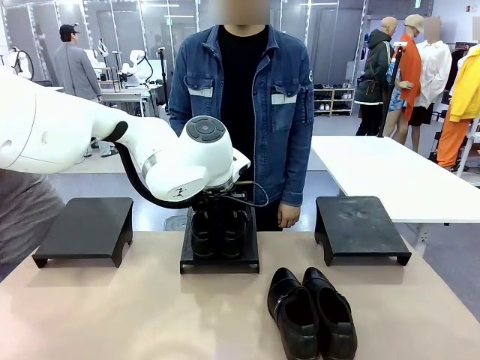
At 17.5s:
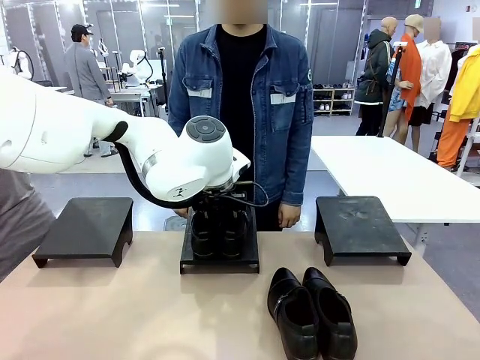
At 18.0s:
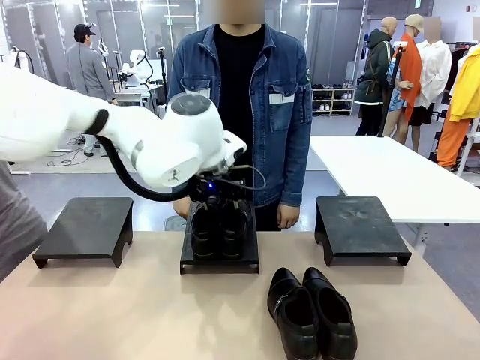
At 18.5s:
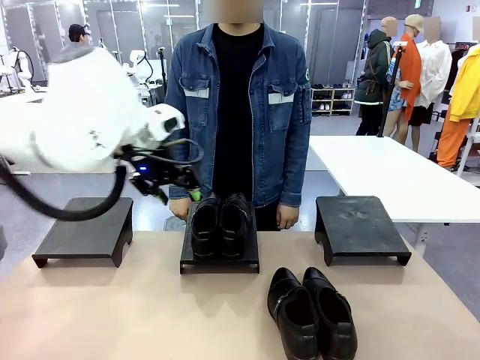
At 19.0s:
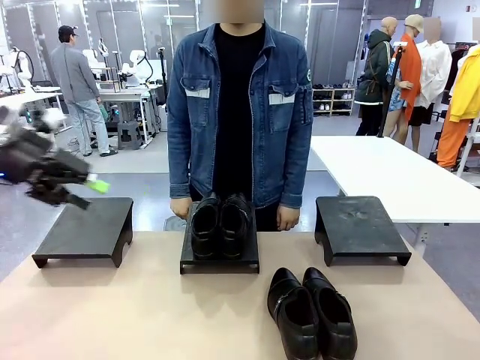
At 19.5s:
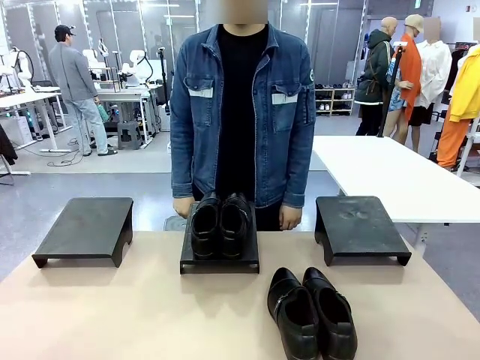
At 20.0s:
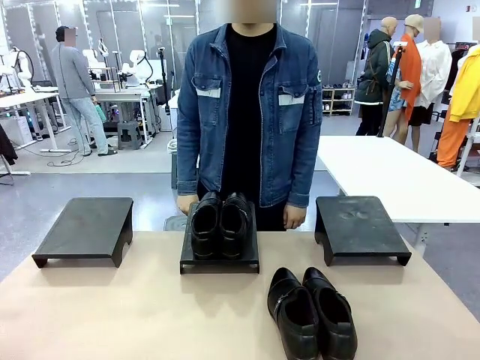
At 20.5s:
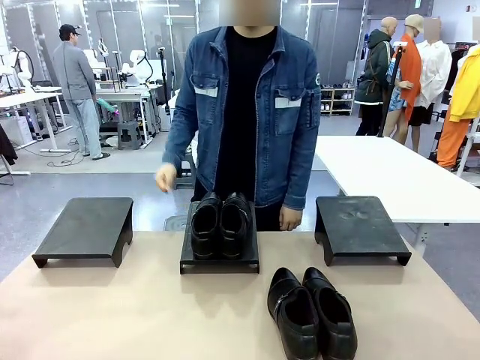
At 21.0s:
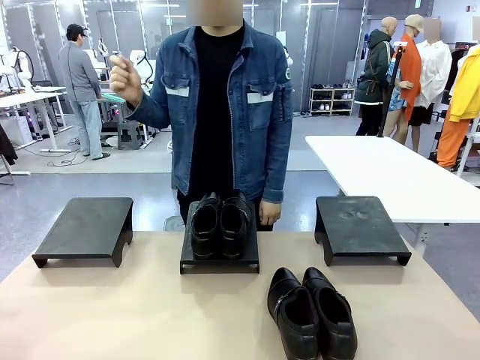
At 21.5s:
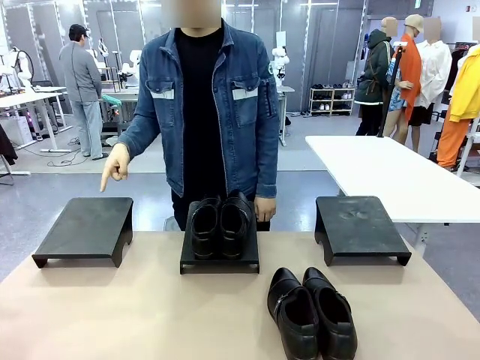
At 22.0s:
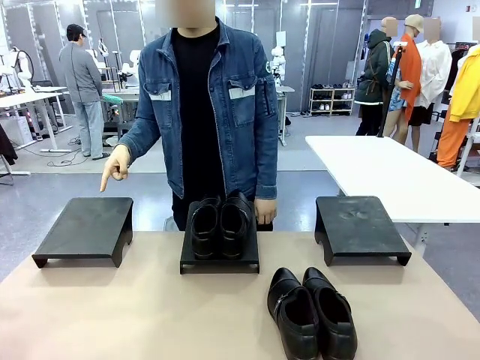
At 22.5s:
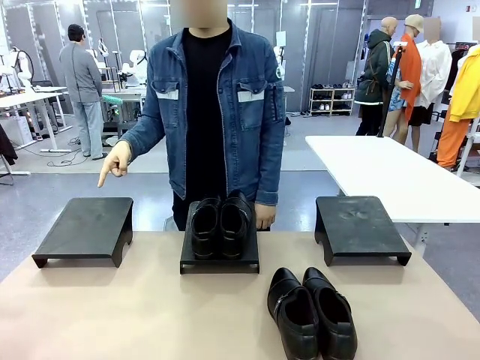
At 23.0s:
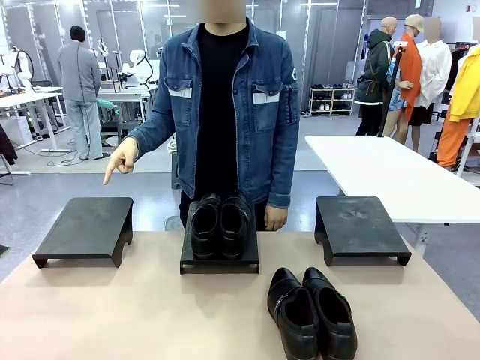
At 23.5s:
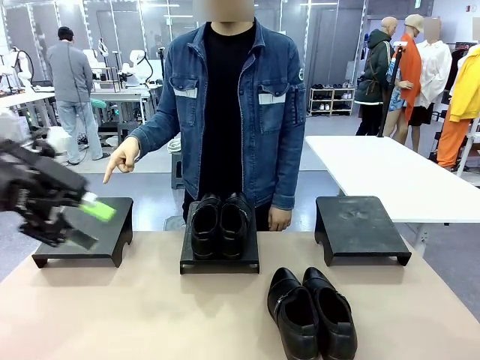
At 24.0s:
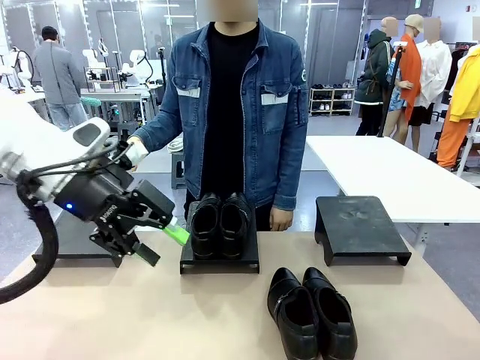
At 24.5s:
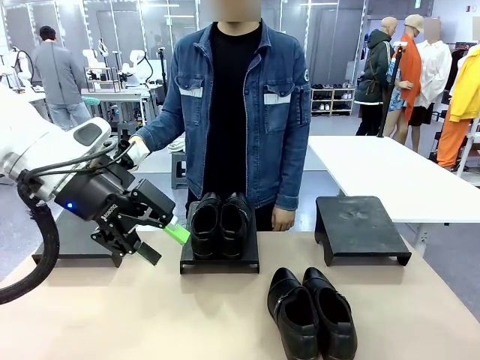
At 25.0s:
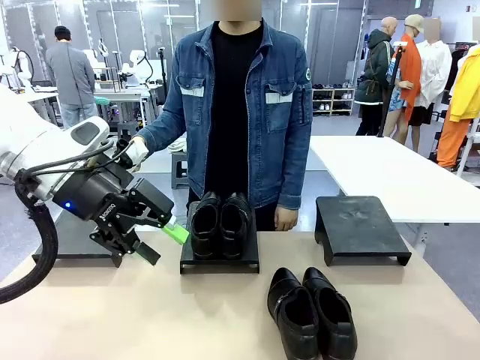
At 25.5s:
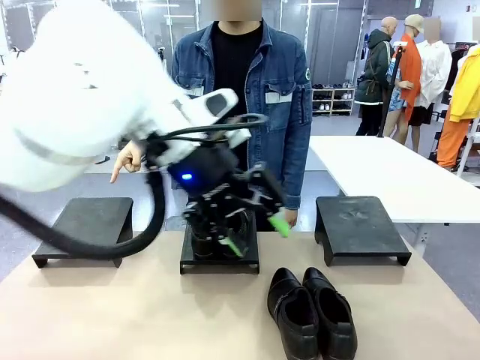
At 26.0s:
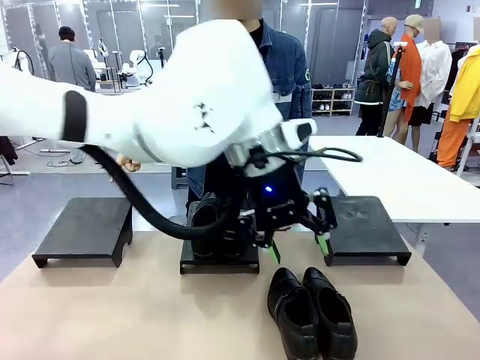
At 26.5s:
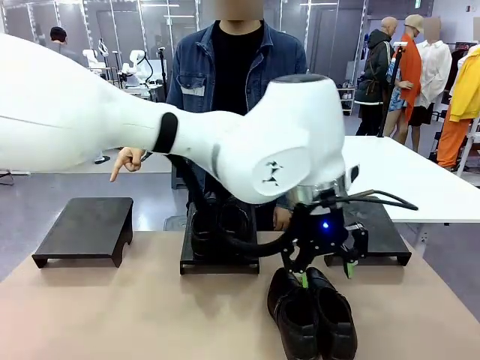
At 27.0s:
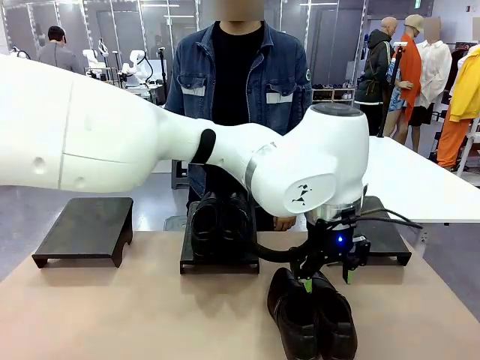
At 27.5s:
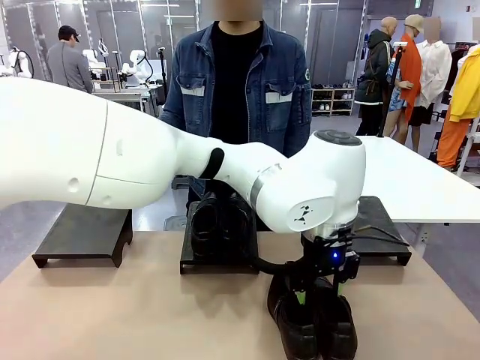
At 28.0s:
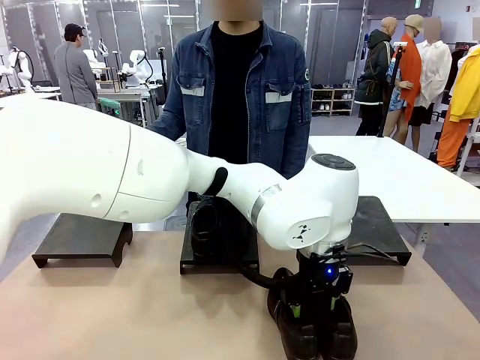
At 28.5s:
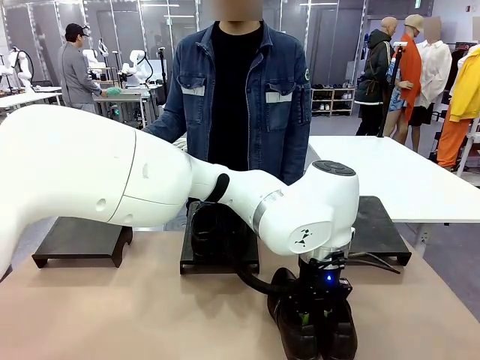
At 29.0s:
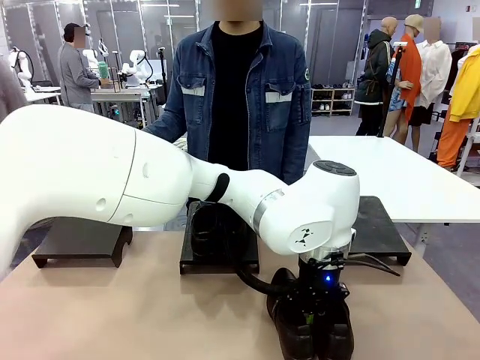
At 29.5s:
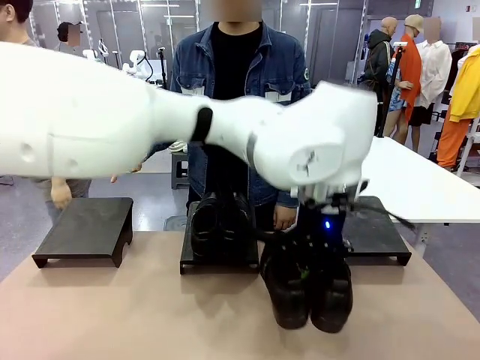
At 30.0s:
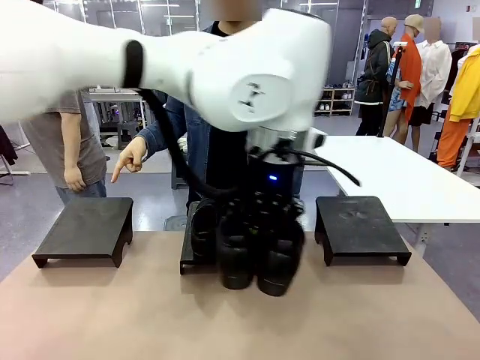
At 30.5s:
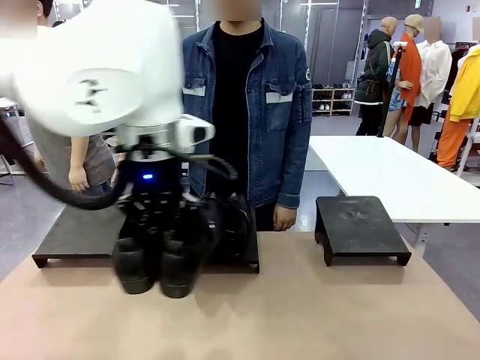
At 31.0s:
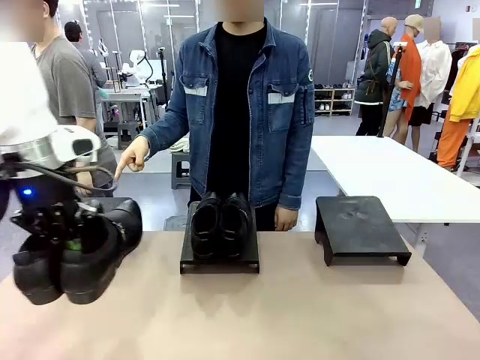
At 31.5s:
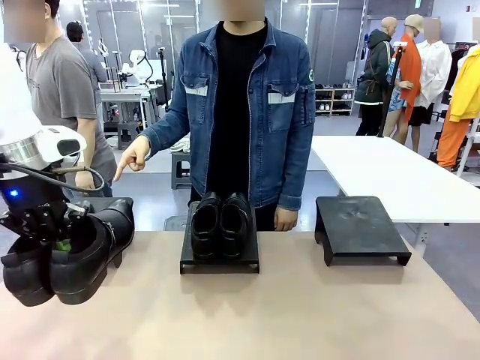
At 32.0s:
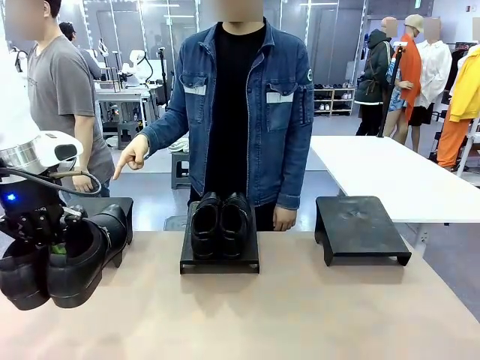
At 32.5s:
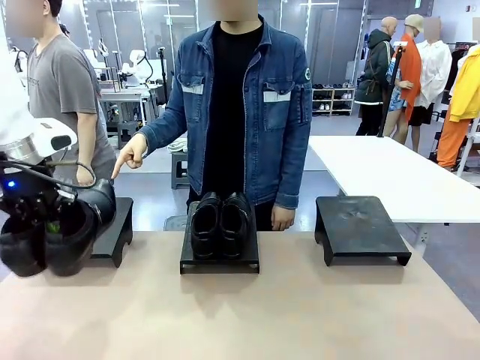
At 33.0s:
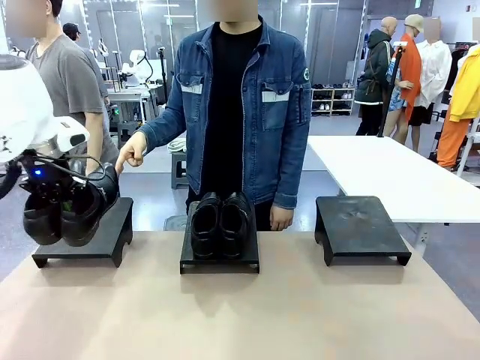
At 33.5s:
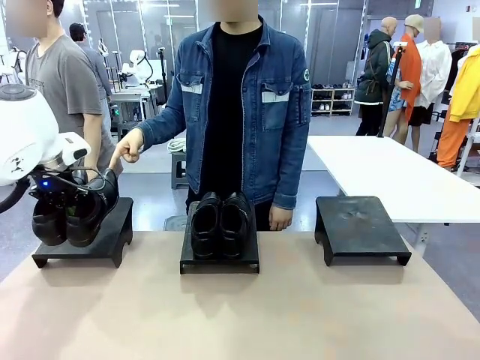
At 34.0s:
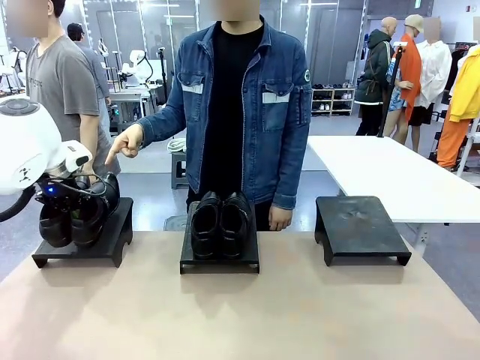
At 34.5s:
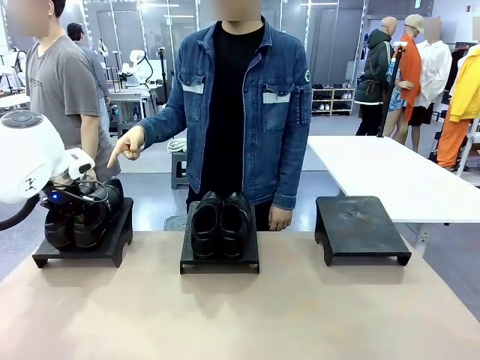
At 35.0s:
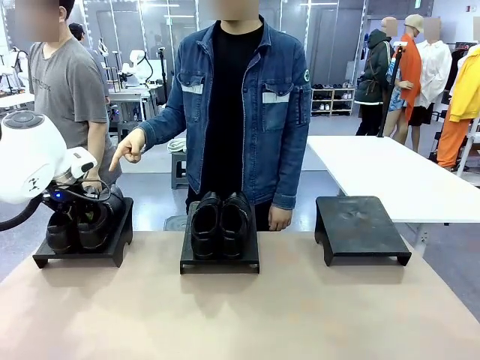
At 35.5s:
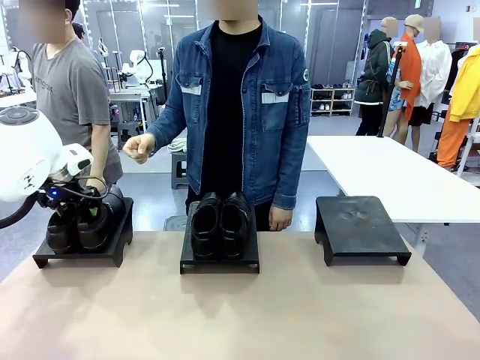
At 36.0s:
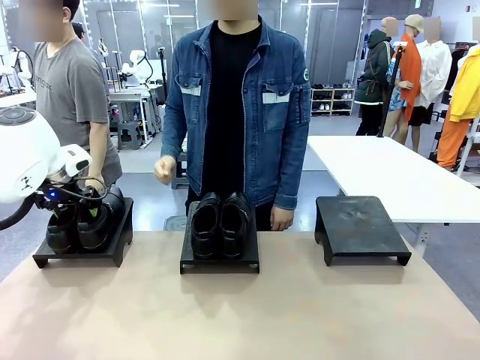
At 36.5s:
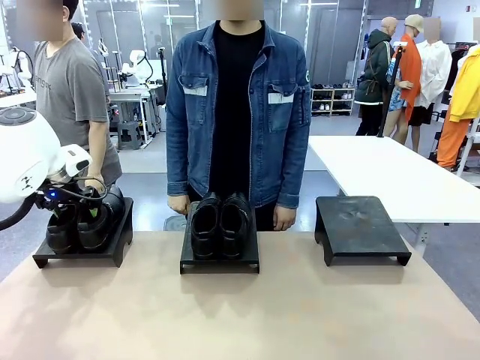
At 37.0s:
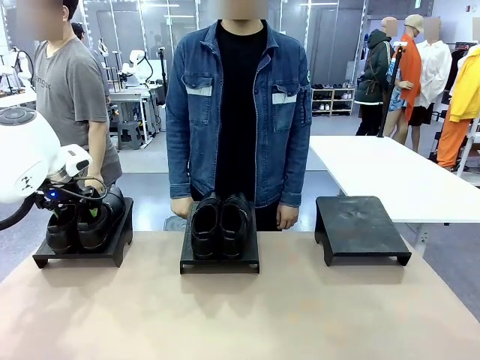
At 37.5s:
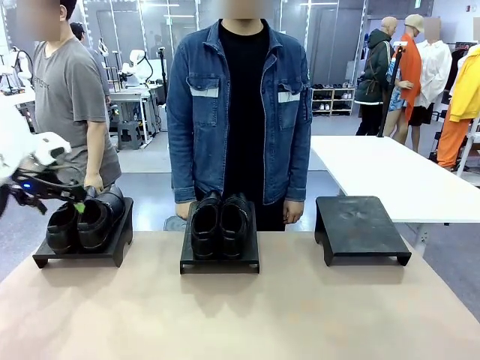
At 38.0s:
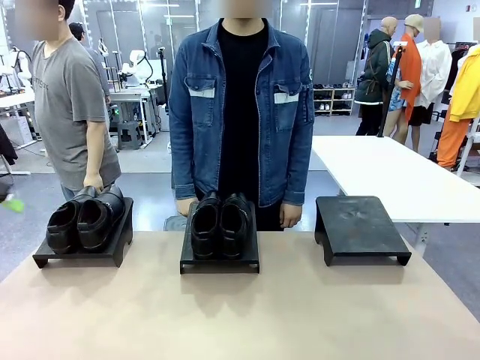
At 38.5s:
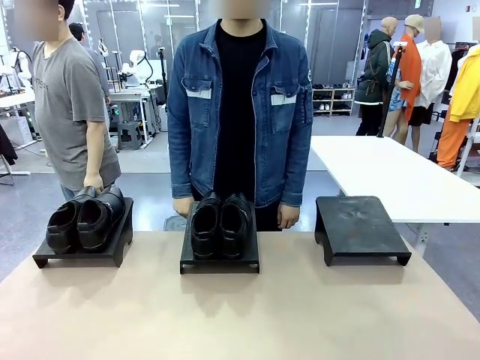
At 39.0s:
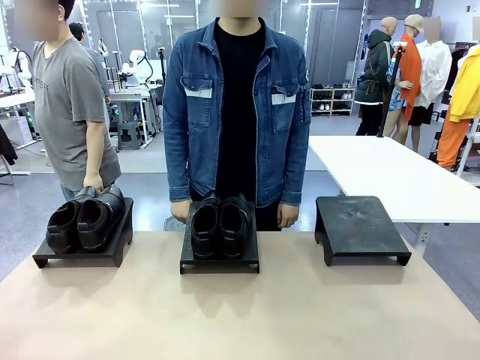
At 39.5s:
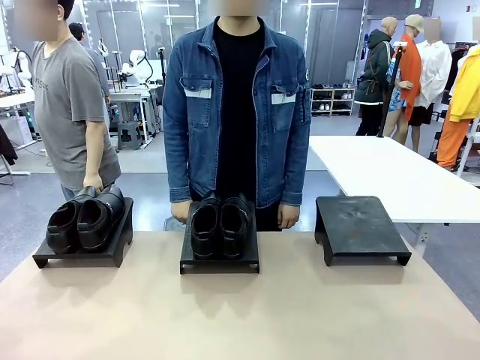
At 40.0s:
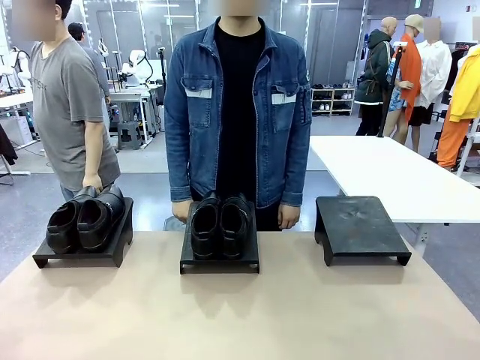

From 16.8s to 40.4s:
Task: Place the shoes on the stand as instructed by the person.
Robot: Pick up another pair of Shoes and place it on the Shoes Stand indicated by the person.
Person: Point to one Shoes Stand.
